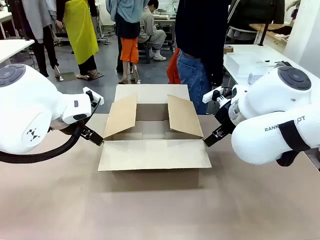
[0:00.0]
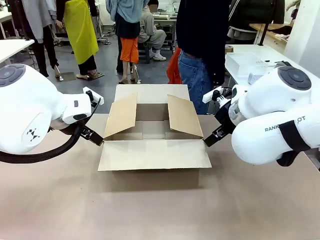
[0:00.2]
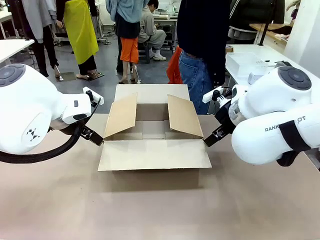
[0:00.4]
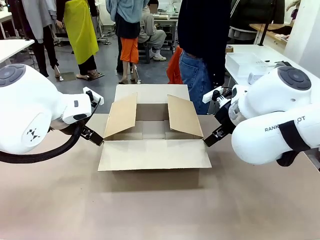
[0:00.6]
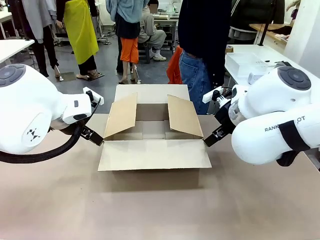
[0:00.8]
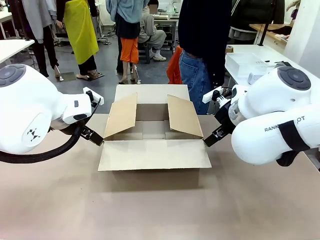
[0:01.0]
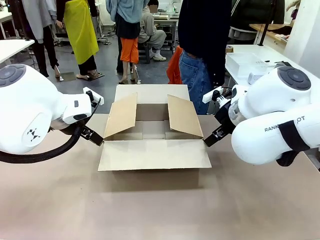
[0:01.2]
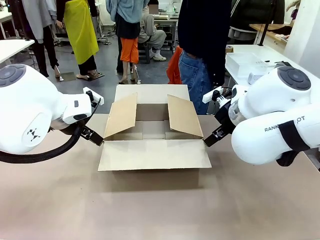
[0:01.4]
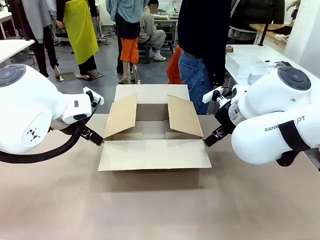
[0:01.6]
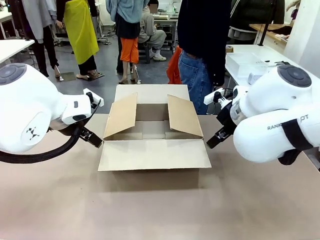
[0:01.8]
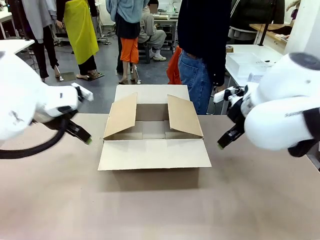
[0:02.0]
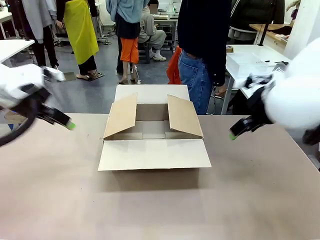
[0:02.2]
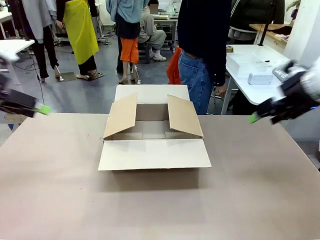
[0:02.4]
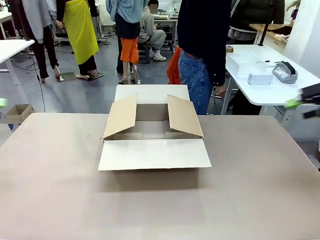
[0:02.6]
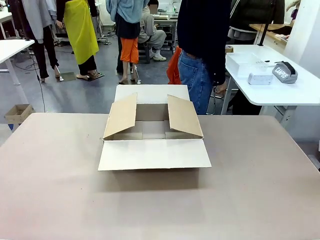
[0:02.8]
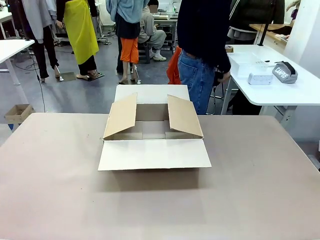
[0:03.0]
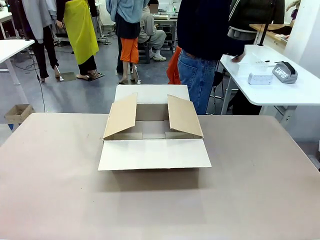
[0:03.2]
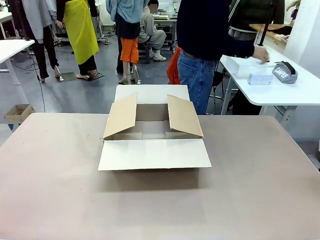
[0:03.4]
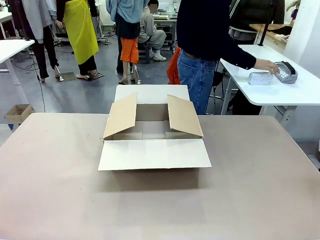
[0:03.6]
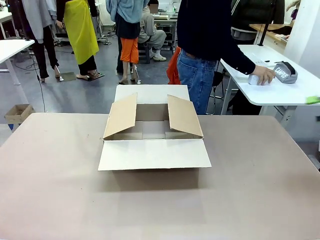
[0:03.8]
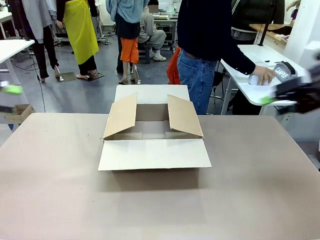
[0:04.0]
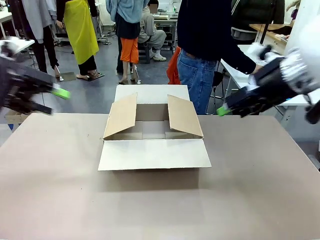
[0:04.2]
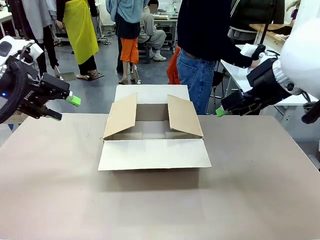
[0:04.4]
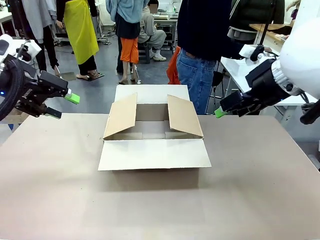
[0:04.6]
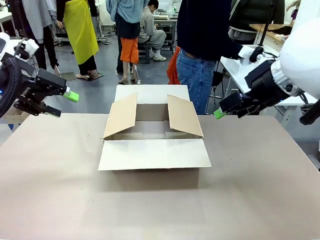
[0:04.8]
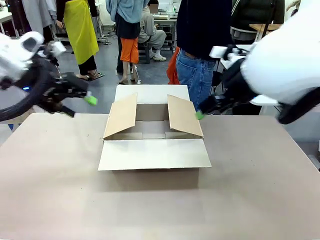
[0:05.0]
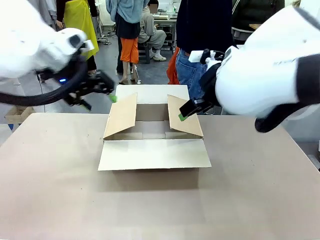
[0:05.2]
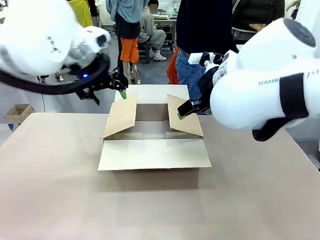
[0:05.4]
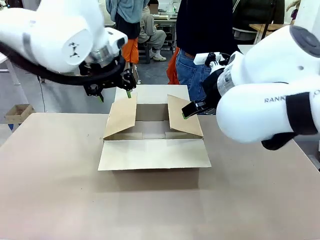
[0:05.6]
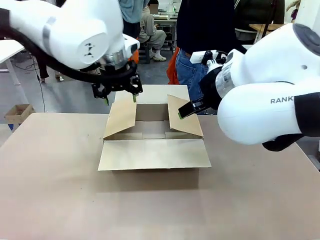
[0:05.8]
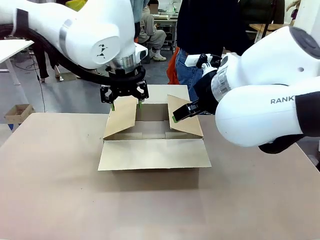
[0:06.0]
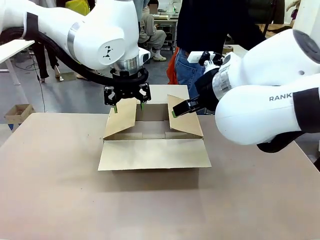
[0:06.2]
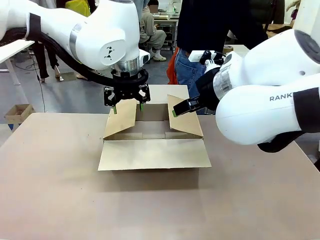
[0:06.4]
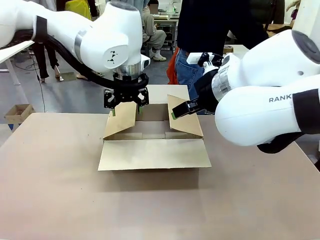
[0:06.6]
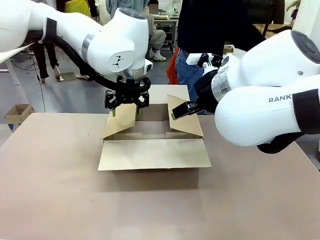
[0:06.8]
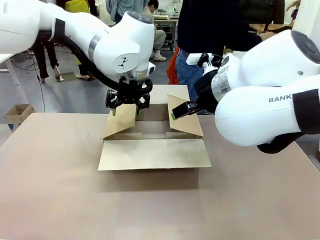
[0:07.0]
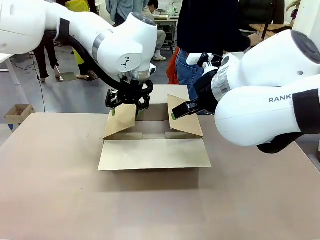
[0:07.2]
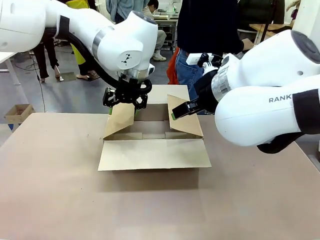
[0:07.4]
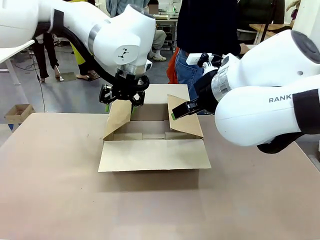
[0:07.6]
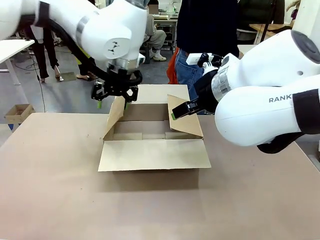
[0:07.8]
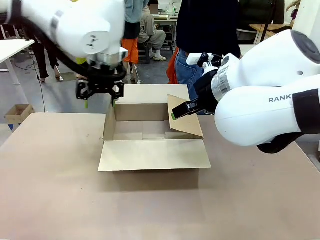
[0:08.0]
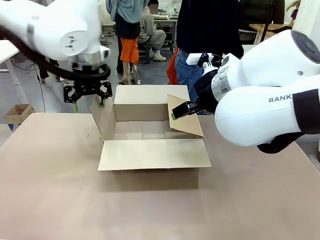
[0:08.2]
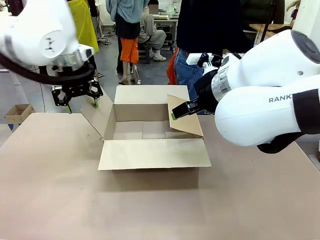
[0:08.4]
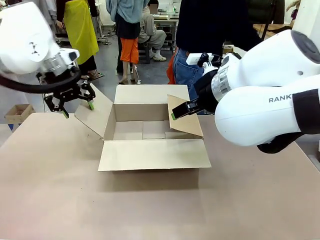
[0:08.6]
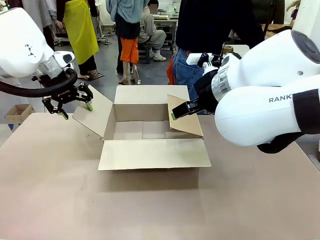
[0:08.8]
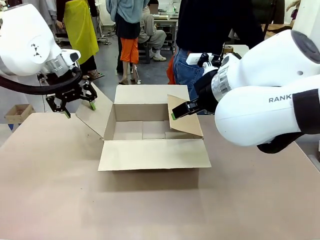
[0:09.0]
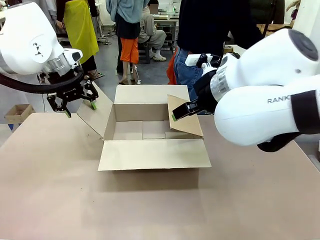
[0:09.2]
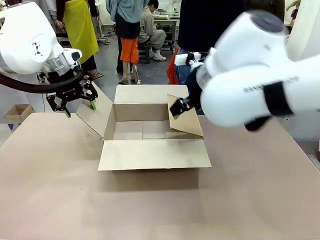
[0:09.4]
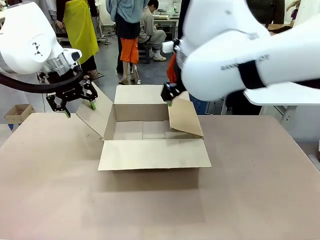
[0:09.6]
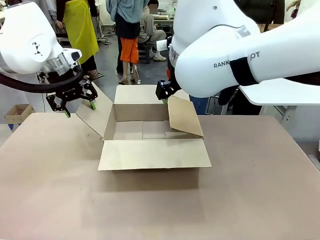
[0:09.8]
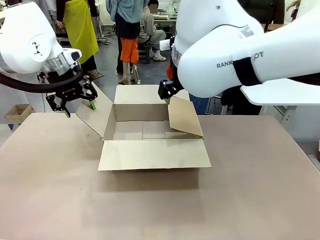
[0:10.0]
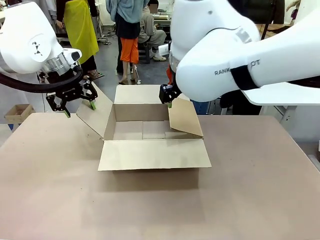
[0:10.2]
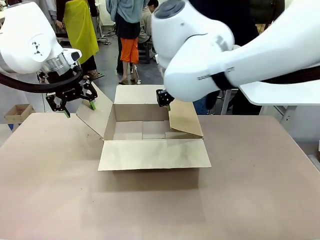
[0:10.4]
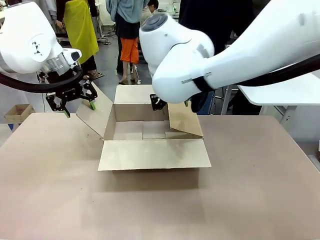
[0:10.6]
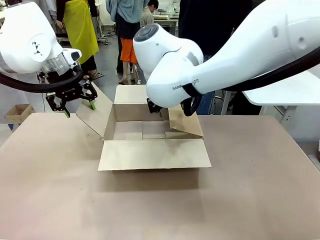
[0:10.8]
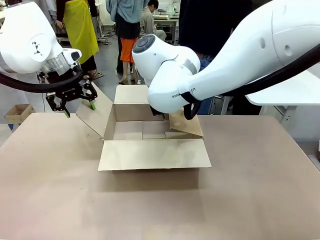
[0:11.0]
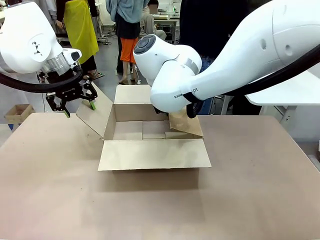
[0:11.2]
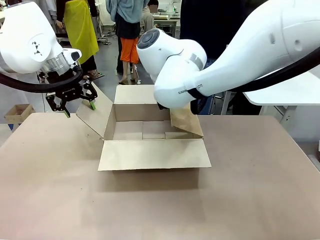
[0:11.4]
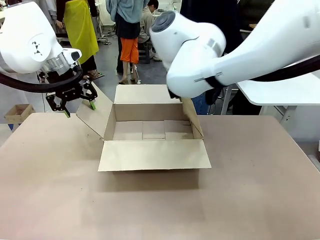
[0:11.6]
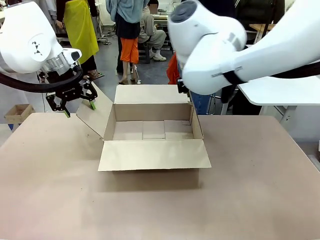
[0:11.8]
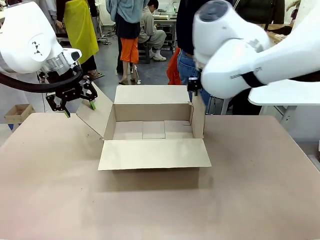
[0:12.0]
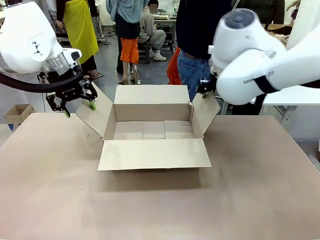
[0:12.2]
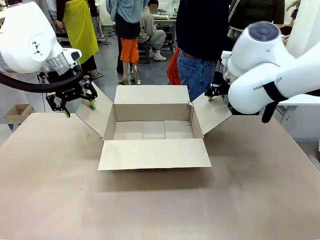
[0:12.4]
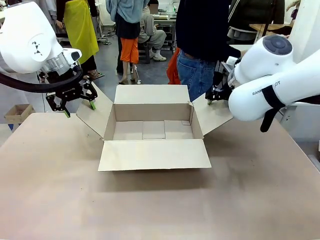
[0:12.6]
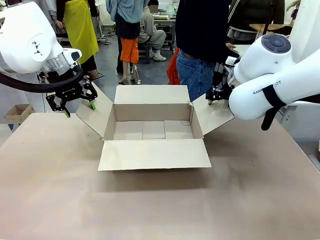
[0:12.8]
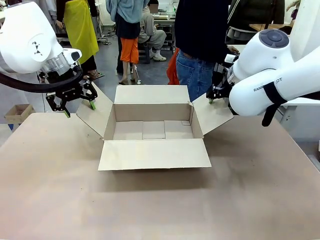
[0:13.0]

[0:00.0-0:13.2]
Task: Pack the gift set into the box.
Robot: Place both hands on the side flaps of the Package Box and spread them outward.
Person: The human places all items except the paper tape into the organizing basket.

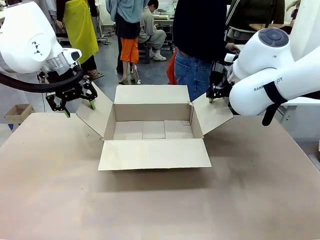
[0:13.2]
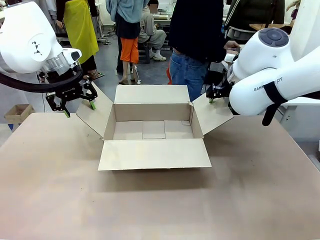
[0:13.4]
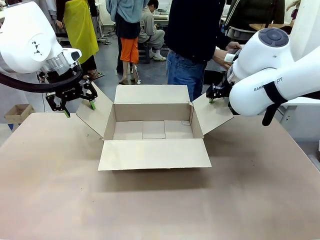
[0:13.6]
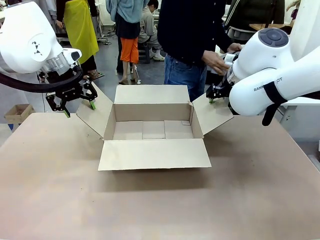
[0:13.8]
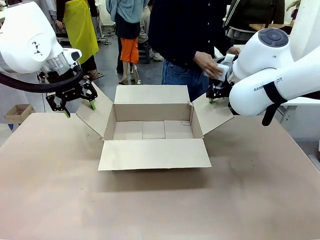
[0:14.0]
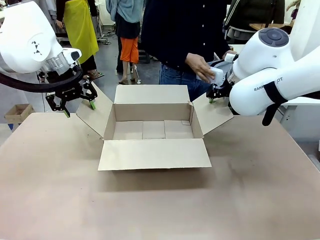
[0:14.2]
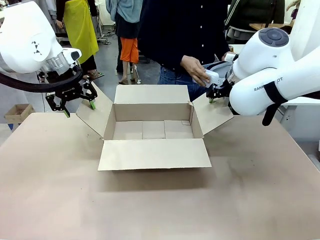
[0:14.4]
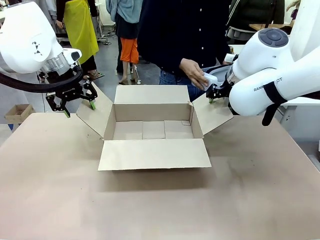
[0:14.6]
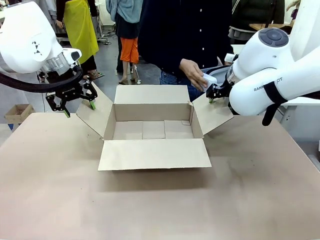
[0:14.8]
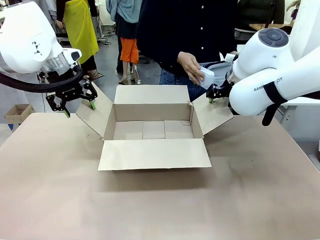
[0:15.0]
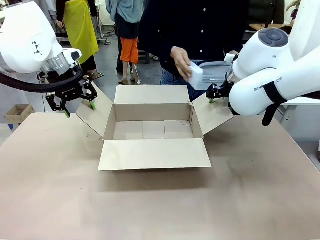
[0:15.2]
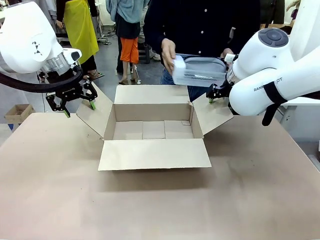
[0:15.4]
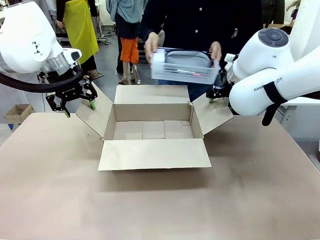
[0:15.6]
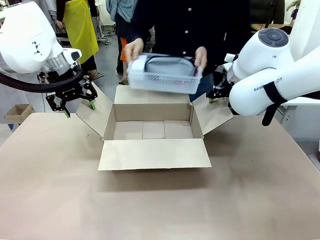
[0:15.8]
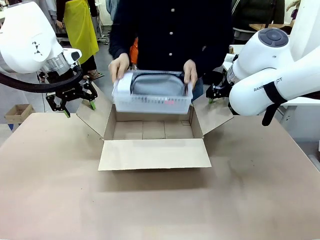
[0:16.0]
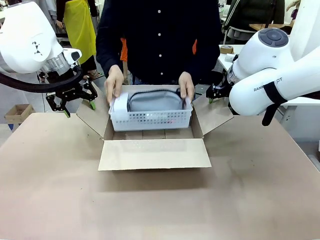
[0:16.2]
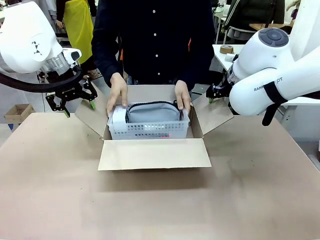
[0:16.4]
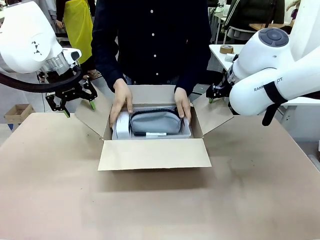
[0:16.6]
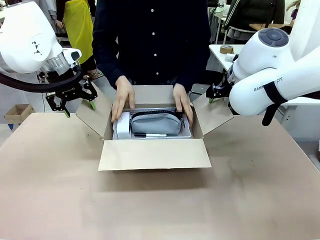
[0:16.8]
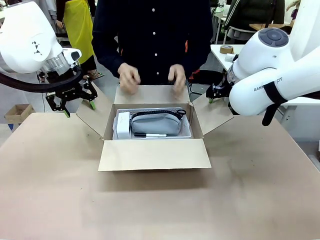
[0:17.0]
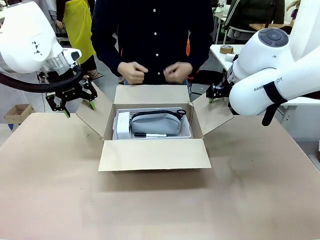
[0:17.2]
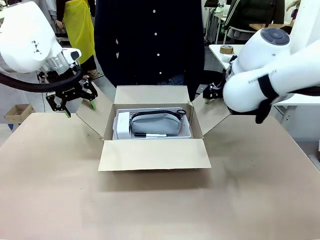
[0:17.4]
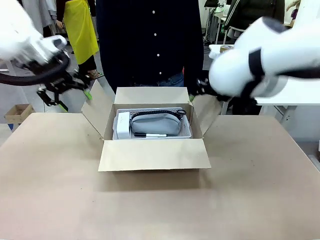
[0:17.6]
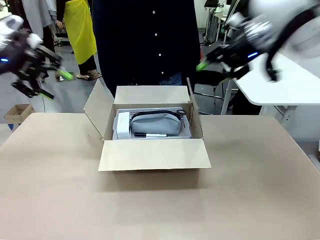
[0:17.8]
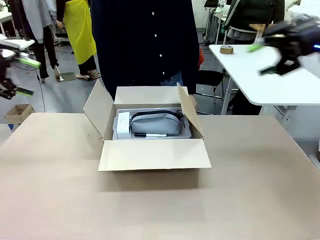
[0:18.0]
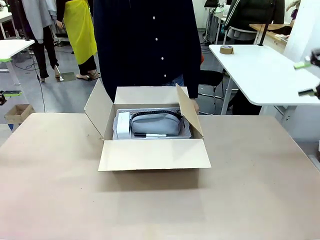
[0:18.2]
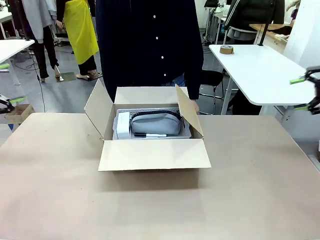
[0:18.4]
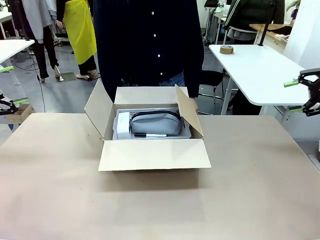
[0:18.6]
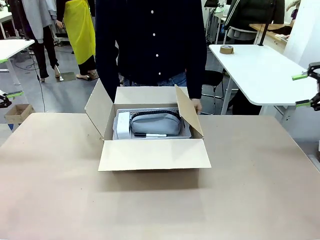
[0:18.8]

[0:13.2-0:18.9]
Robot: Lift both hands away from the flaps of the Package Box.
Person: The human picks up the organizing basket and places the organizing basket into the package box on the robot table.
